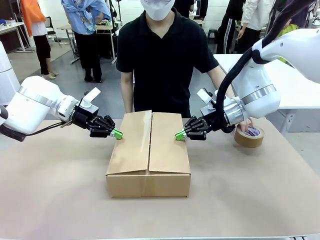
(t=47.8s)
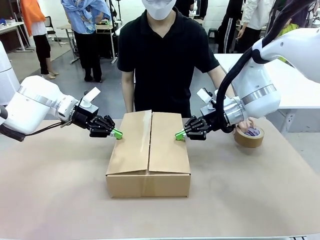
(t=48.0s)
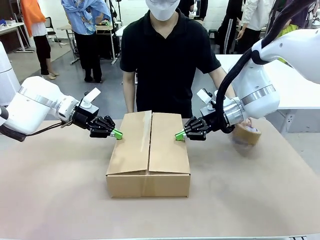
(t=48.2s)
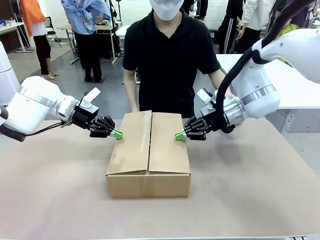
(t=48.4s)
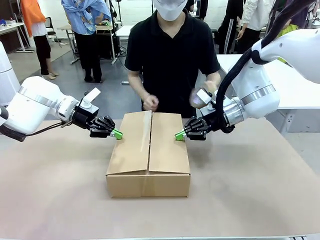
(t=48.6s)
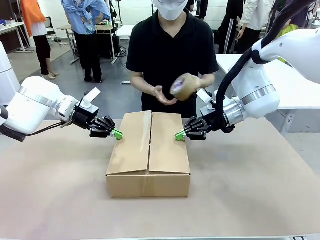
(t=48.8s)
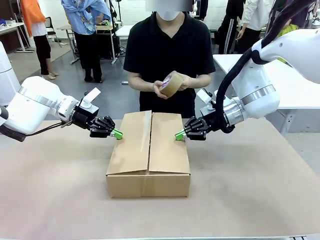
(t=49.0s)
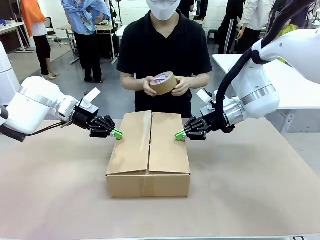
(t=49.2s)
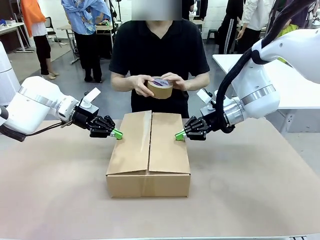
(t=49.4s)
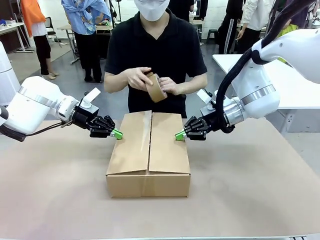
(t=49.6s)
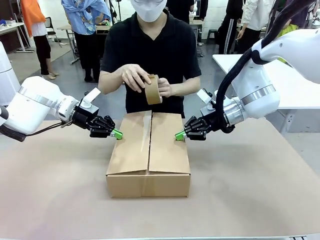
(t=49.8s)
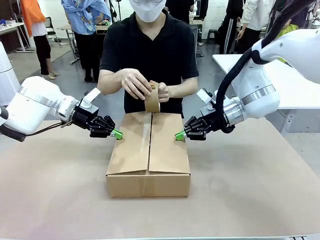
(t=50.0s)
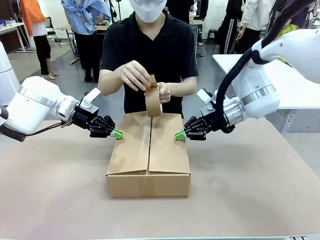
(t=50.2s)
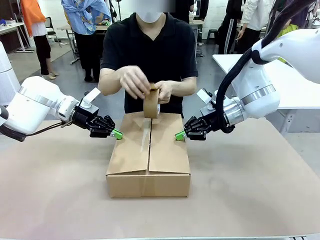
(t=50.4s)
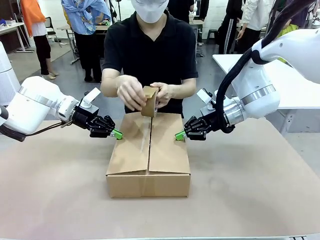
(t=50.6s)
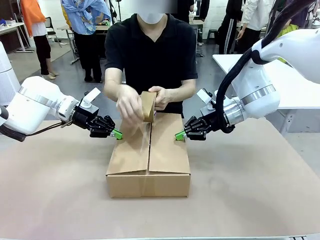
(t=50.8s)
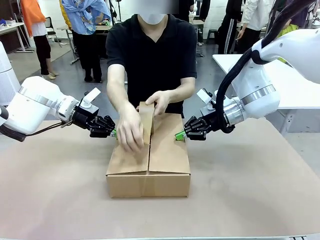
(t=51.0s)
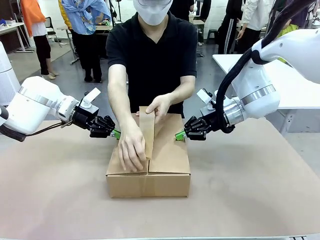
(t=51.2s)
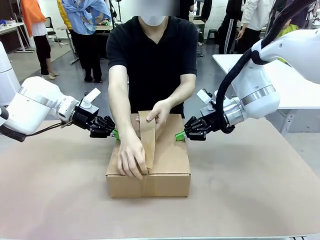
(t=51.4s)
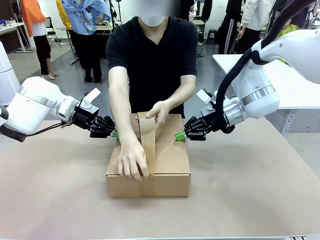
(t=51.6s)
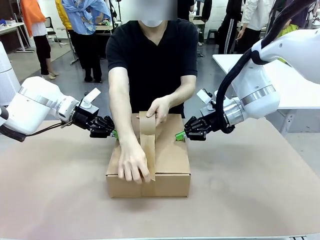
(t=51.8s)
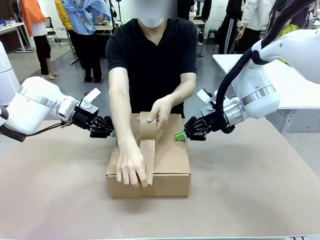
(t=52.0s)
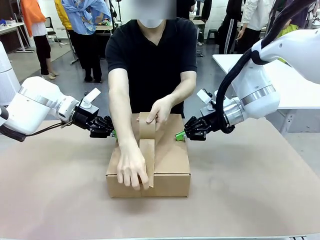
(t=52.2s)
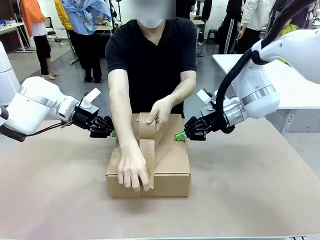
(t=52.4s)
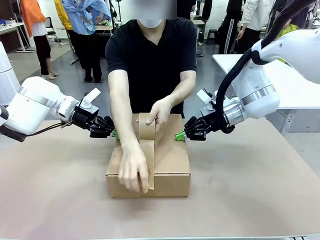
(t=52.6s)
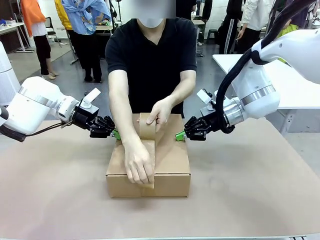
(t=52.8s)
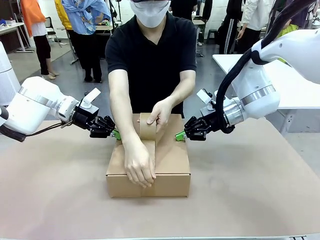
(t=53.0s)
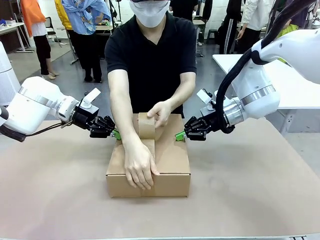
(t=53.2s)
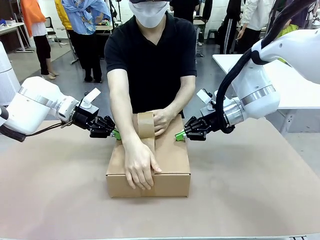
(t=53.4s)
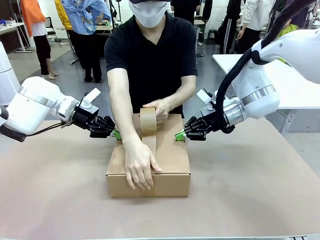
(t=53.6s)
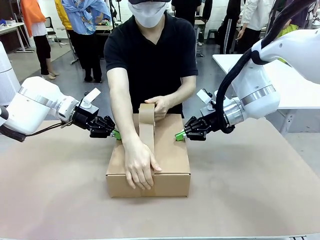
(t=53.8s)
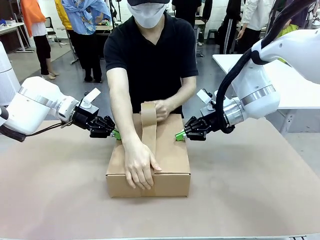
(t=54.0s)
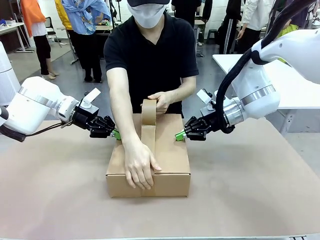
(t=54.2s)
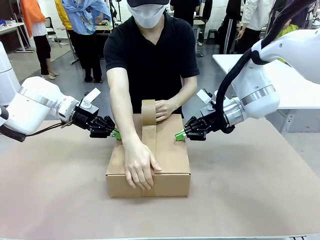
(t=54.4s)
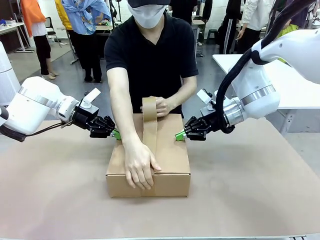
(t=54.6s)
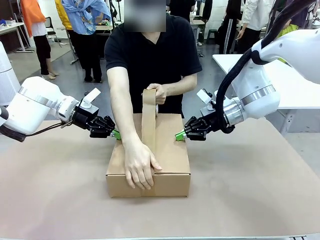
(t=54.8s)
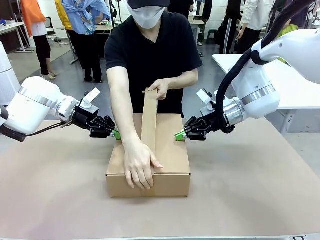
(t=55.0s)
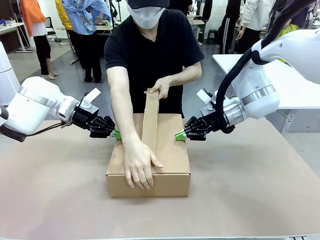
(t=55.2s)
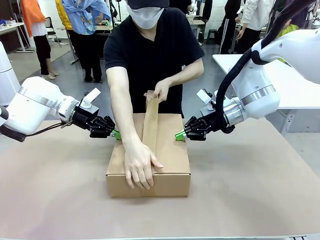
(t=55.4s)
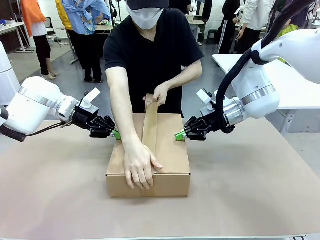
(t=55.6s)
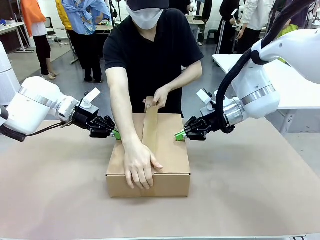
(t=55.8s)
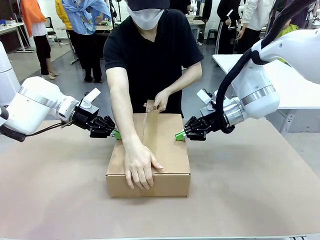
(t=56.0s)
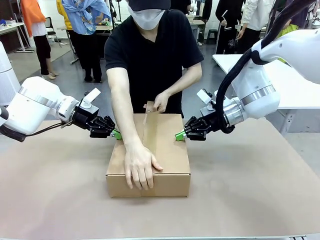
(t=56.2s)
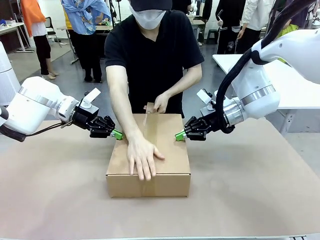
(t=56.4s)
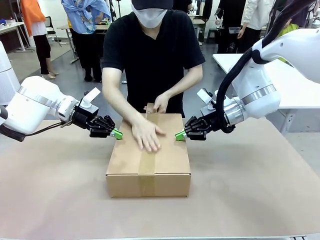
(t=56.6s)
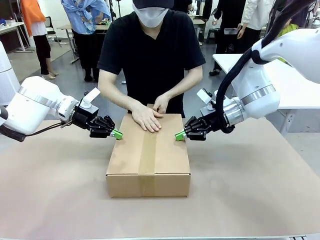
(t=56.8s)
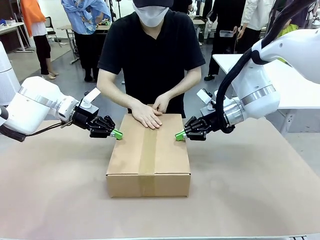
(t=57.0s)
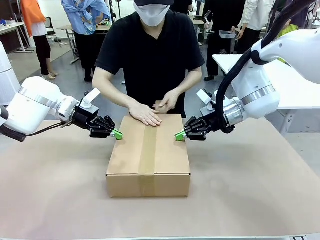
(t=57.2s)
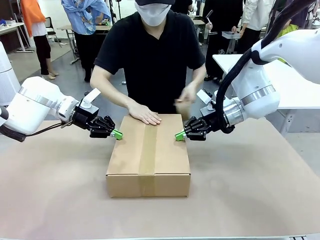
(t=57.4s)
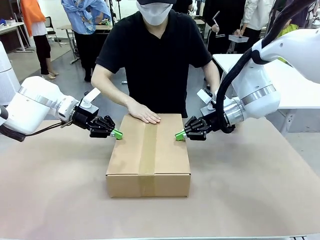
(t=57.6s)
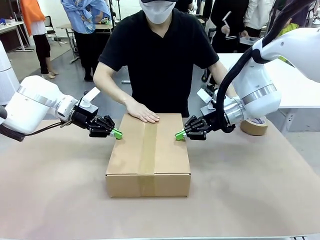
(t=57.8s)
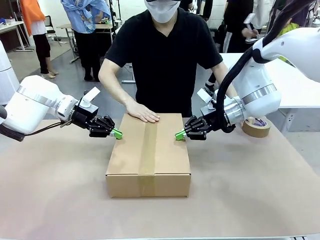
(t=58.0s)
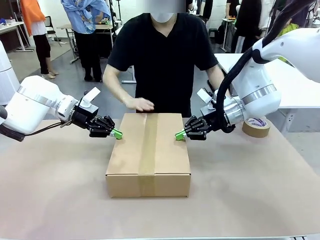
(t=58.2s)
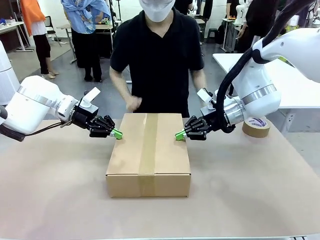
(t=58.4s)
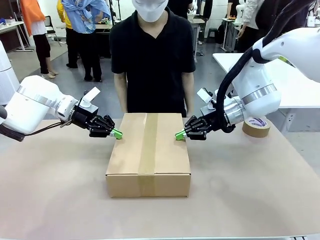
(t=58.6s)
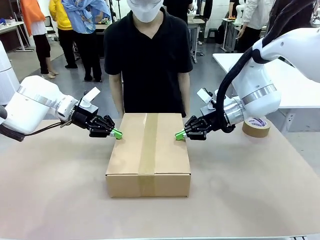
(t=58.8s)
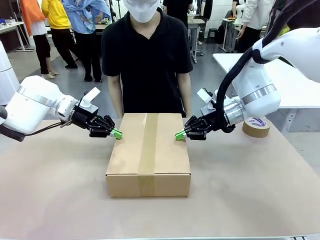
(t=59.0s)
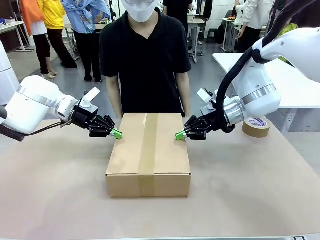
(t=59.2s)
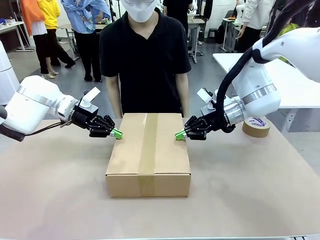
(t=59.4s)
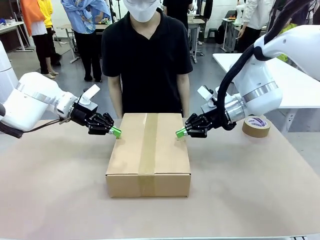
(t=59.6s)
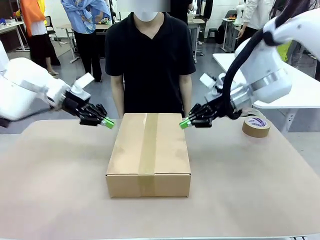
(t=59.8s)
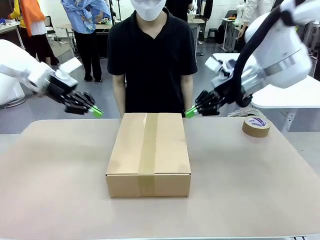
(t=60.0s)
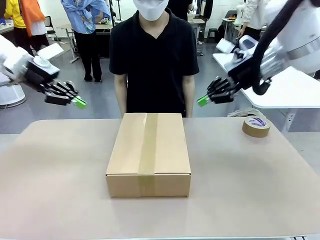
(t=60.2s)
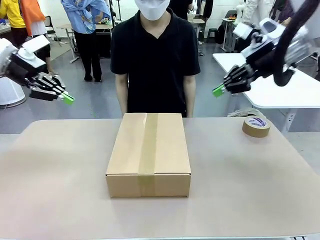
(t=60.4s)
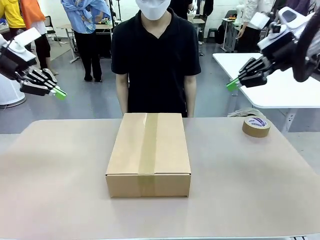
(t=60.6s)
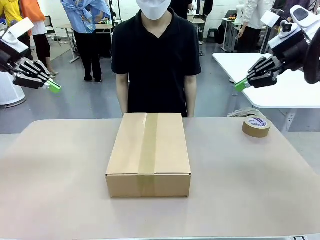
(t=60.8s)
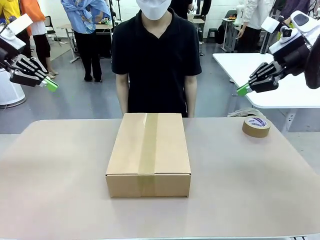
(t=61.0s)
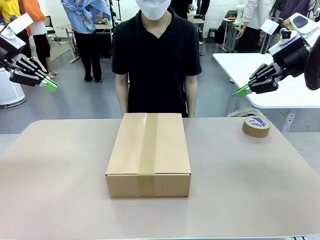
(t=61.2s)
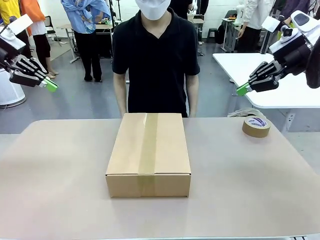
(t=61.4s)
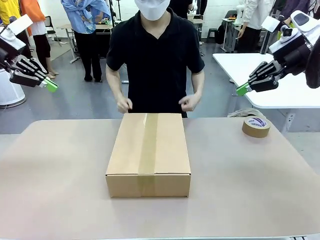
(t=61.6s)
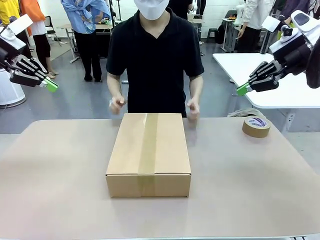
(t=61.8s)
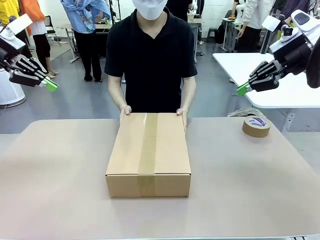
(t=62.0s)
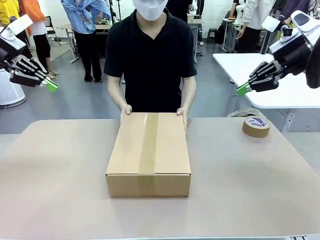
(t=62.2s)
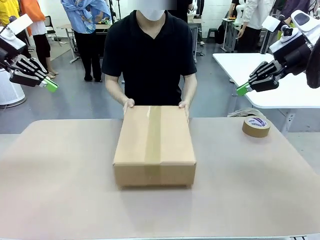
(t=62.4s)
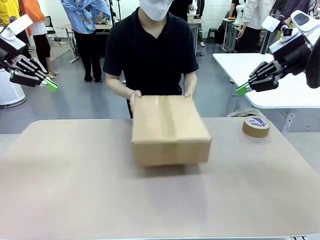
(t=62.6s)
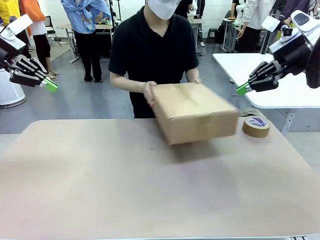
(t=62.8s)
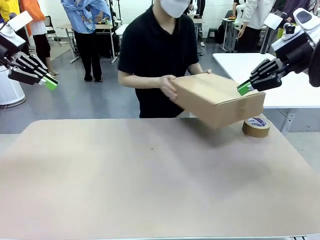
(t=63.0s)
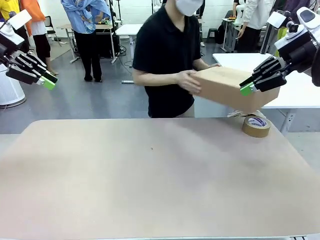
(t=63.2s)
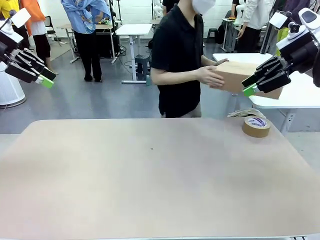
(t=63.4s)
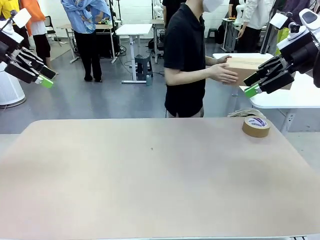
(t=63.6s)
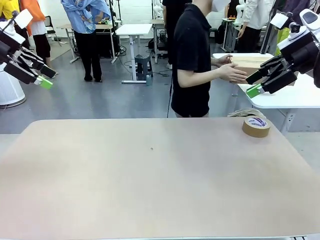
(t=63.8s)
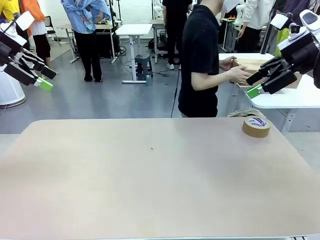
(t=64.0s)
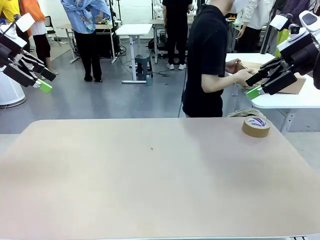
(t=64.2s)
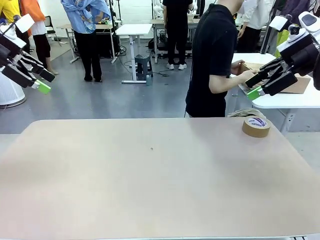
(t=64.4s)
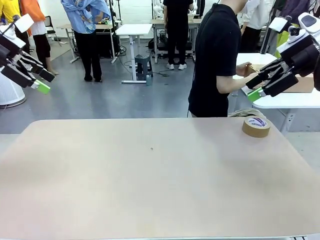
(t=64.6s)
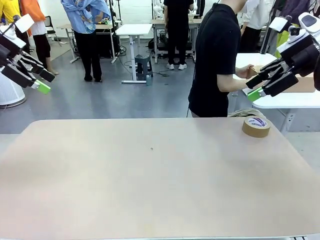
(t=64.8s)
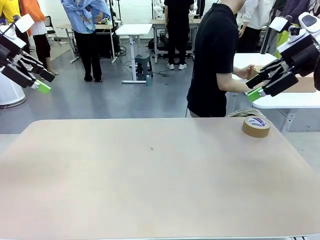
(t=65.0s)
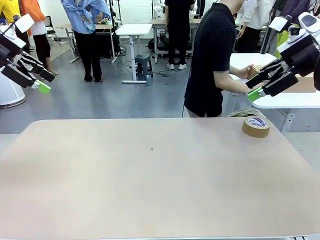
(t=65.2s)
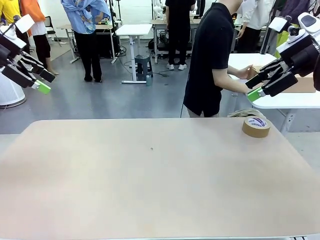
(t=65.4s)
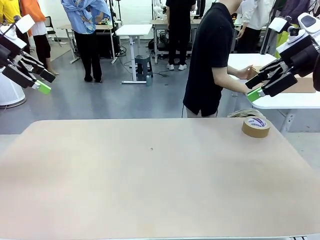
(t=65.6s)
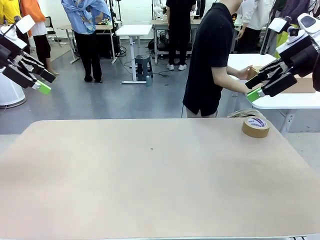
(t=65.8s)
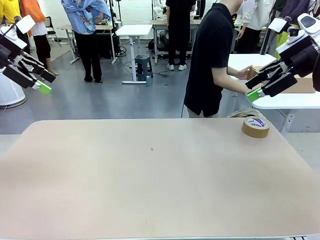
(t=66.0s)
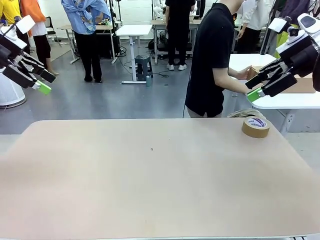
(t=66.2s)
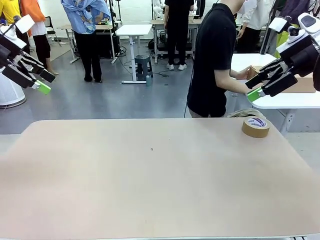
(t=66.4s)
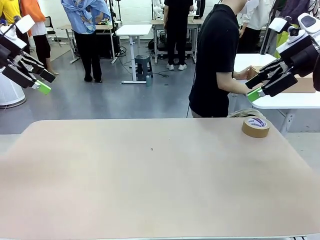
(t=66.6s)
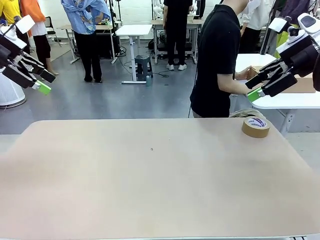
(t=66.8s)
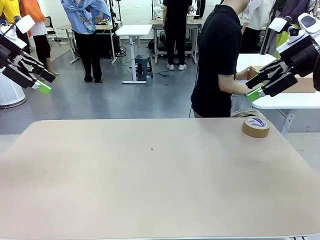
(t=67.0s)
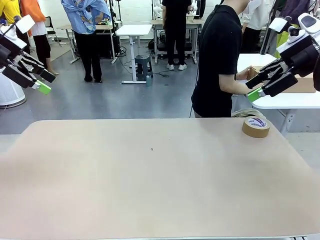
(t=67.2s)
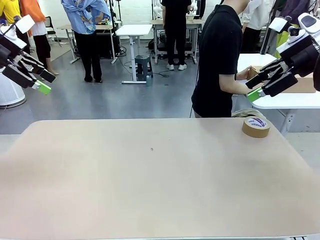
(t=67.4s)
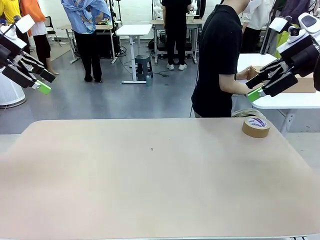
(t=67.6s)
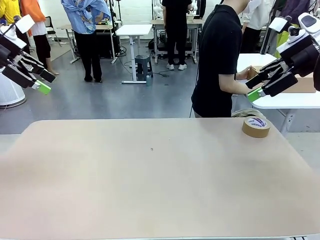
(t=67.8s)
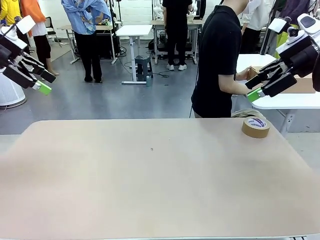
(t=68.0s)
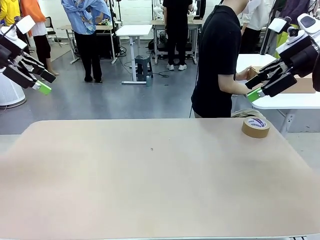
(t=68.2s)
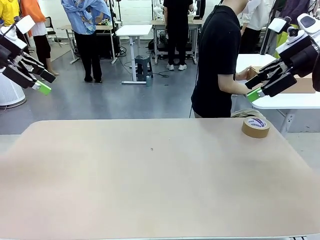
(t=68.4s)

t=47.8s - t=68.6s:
Task: Wrap the clocks to prevent damage.
Robot: After the human seals the box with tape, release both hands from the side flaps of the Package Box.
Person: Once the robot closes the left flap of the Package Box , seal the box with Paper Tape. Place sealed Package Box in the middle of the human's table.
